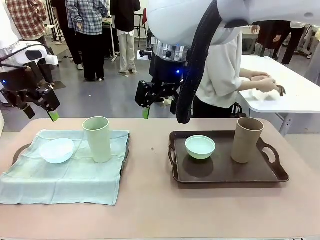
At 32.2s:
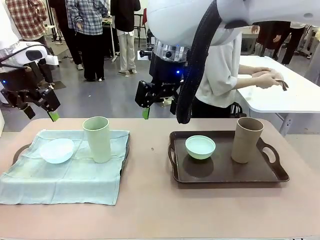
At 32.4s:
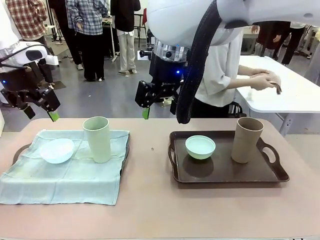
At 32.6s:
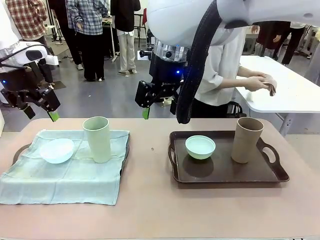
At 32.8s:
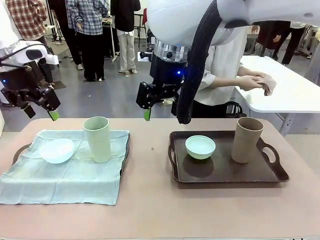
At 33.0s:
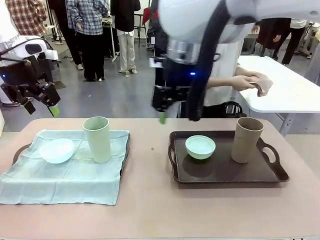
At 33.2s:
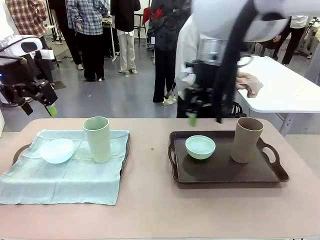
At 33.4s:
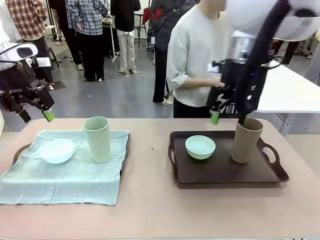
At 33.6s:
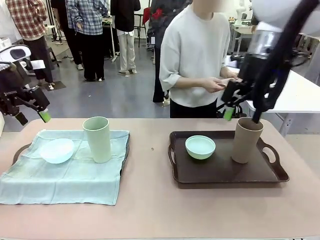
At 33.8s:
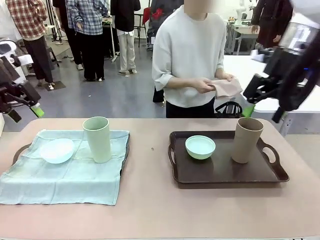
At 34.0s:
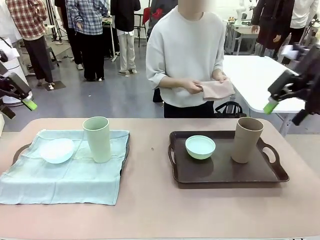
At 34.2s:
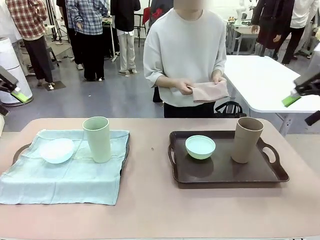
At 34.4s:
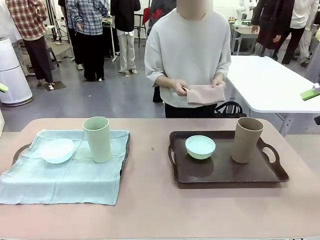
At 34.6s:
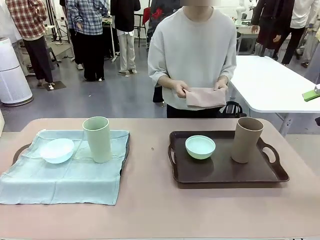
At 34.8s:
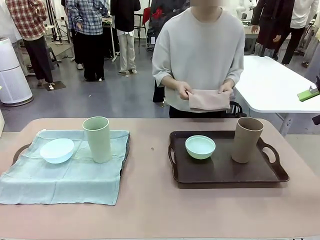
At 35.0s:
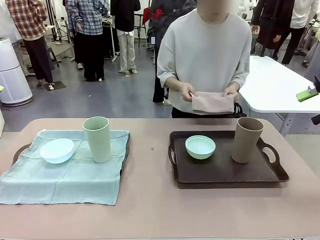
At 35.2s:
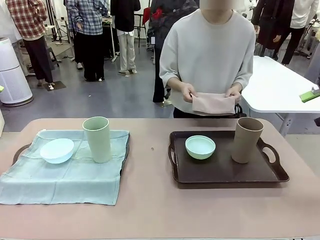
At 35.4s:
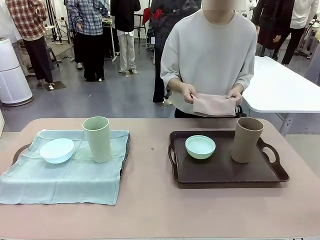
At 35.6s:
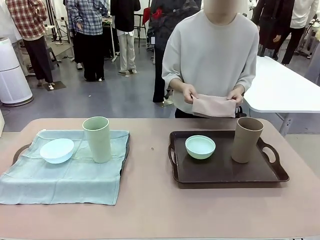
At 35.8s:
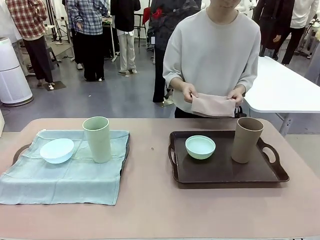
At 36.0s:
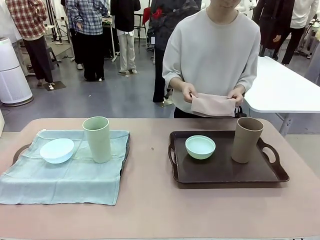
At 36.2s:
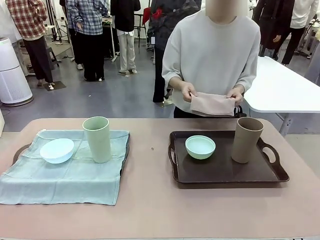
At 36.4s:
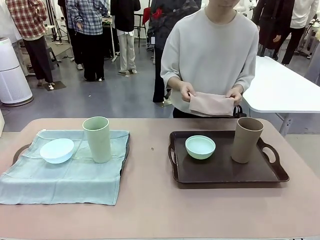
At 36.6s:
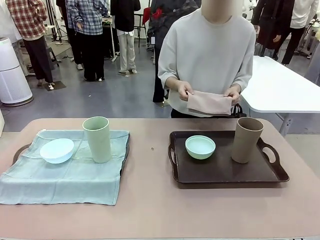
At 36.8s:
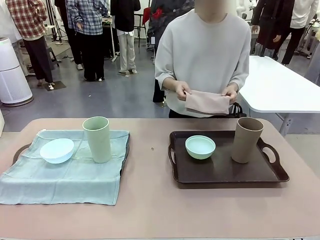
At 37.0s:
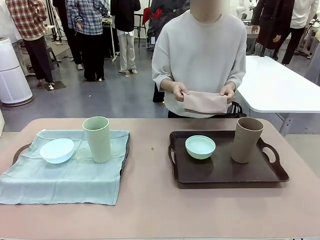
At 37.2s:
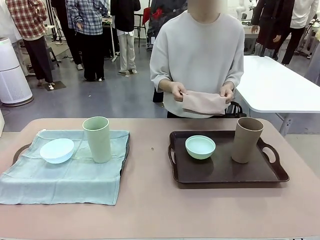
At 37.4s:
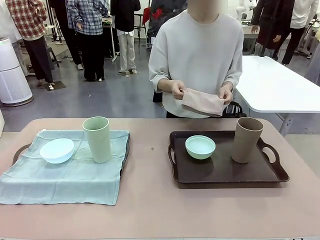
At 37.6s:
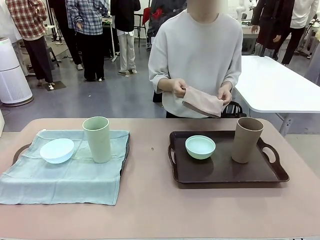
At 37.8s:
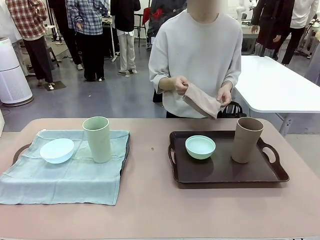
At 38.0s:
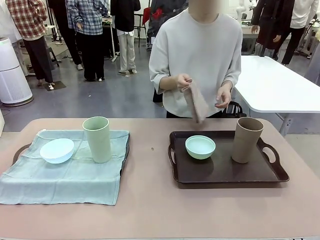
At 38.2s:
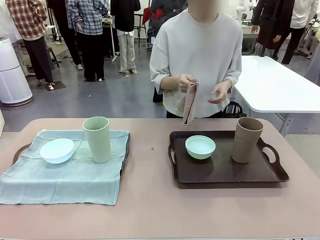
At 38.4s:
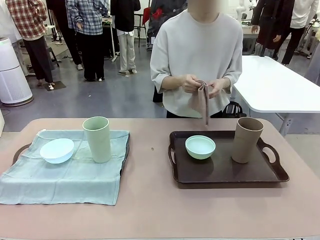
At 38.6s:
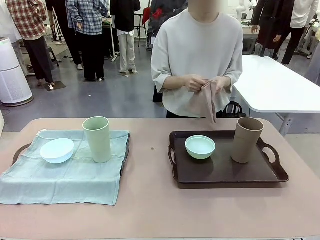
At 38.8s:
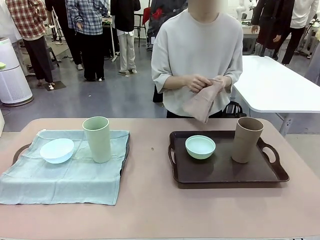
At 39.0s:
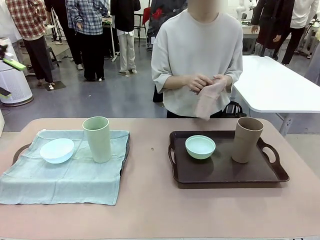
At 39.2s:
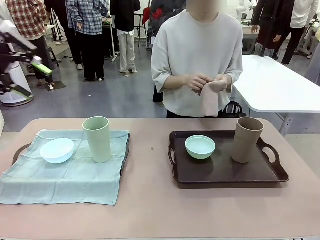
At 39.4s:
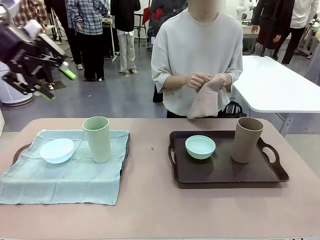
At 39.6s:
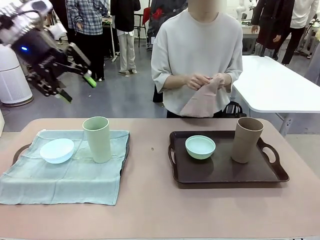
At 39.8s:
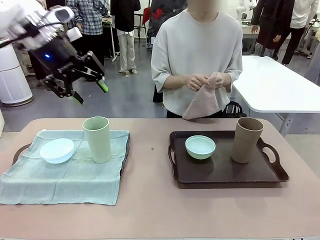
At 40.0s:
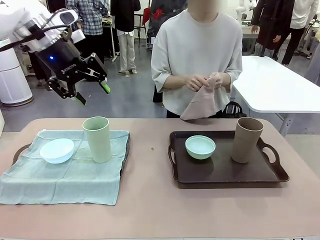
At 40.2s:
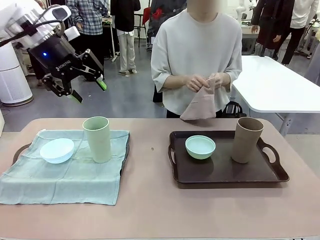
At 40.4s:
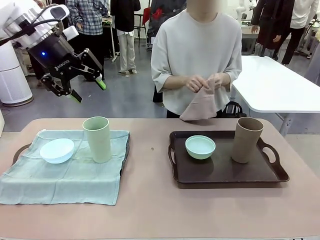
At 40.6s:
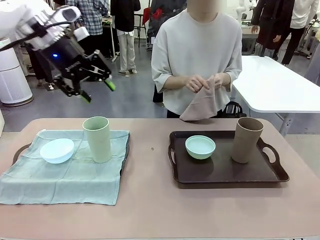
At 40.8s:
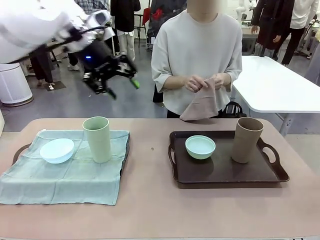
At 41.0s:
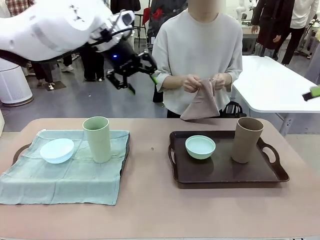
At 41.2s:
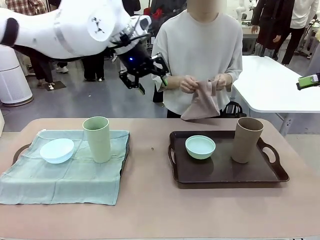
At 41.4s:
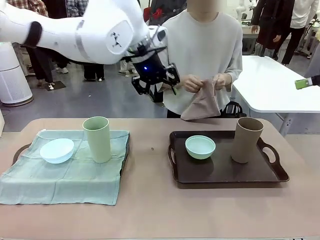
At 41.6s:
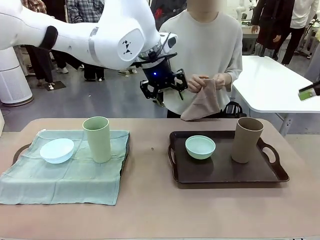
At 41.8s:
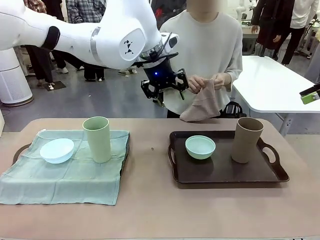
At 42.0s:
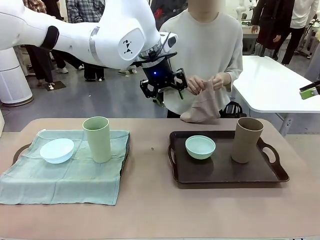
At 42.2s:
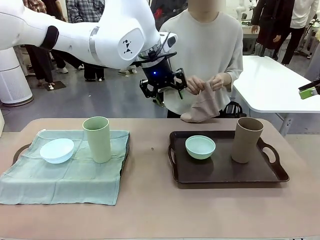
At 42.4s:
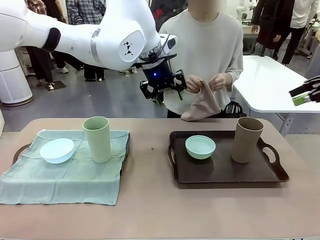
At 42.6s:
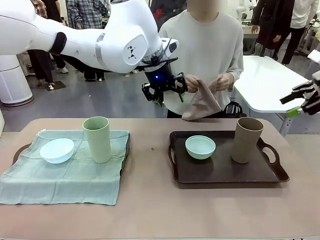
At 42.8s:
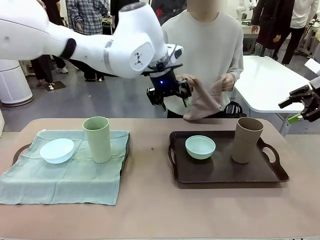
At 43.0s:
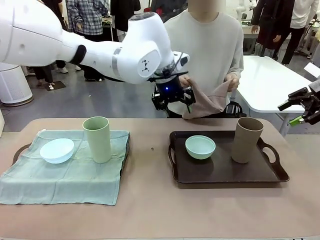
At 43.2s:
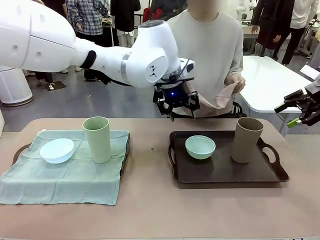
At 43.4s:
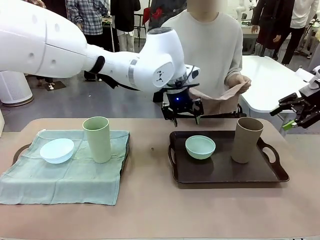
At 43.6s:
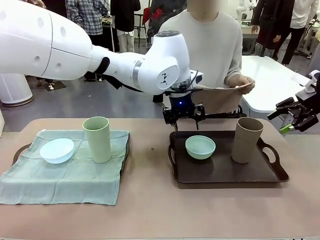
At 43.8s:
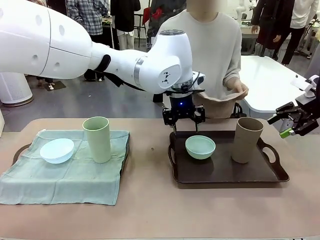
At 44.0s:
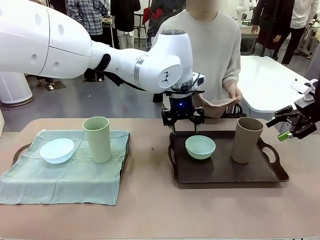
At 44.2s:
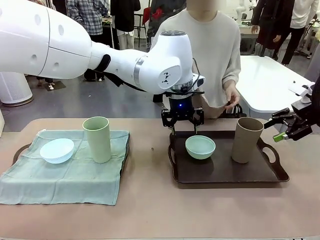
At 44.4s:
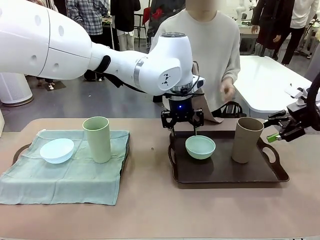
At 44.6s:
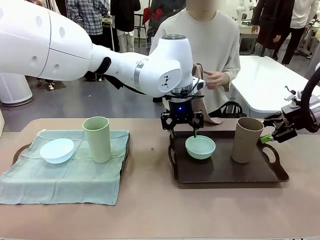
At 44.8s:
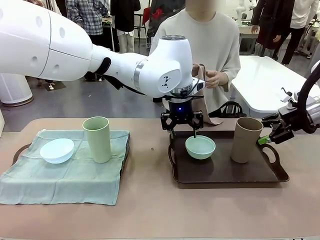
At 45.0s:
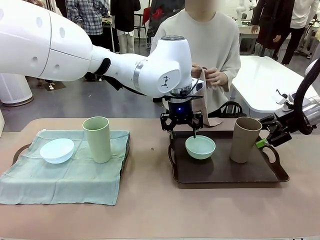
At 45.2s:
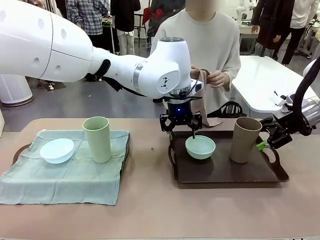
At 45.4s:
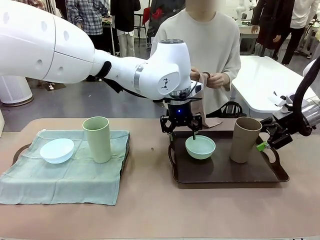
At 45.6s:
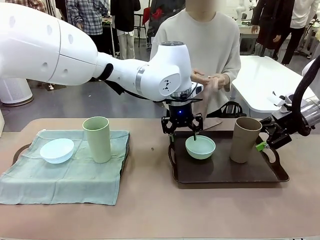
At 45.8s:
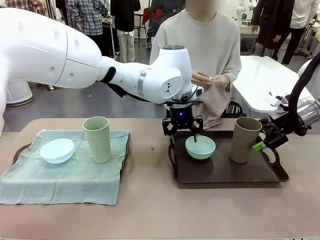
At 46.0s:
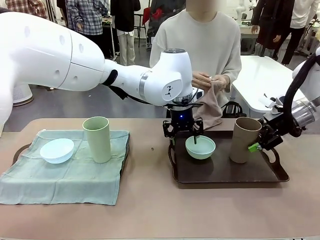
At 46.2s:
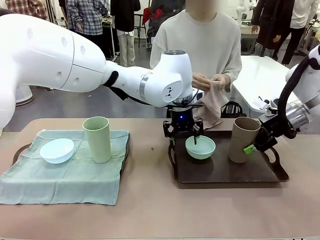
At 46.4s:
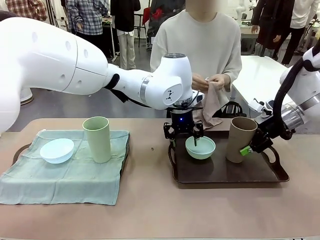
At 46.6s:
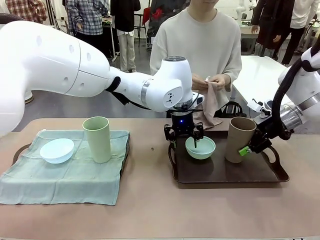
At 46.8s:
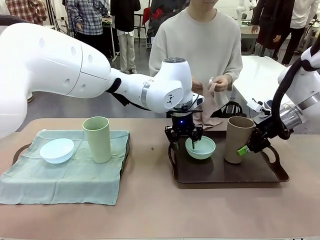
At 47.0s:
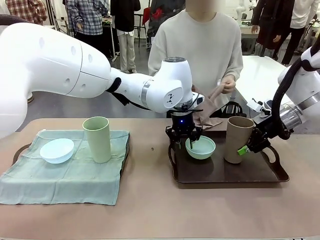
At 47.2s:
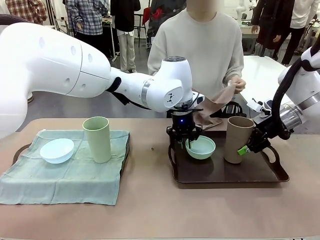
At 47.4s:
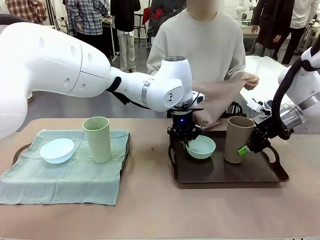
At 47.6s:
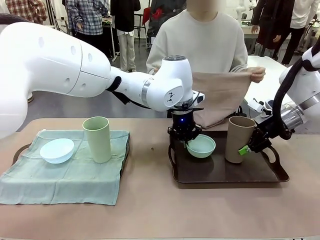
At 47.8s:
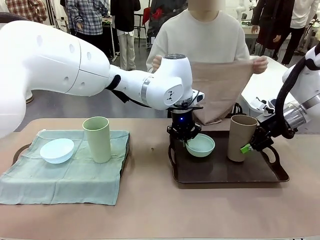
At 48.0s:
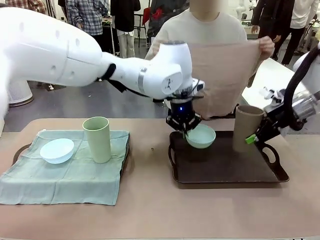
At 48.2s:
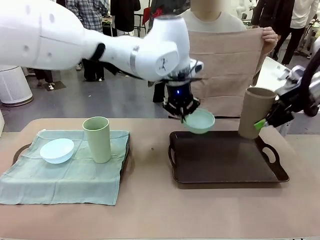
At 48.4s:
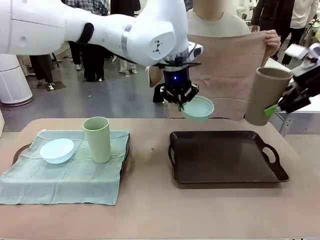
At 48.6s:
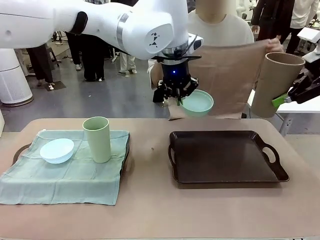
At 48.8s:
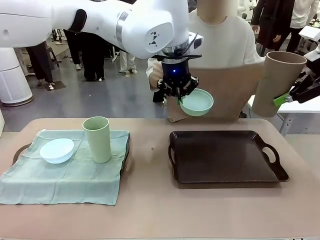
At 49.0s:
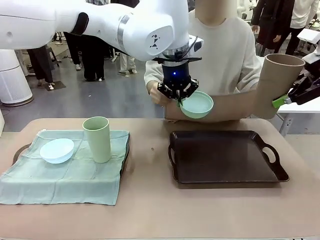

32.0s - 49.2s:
Robot: Pick up the Picnic Bowl and Reusable plastic cup from the Handle tray in front of the human's position and hold them in the air.

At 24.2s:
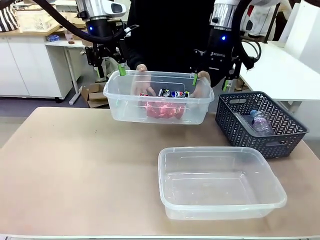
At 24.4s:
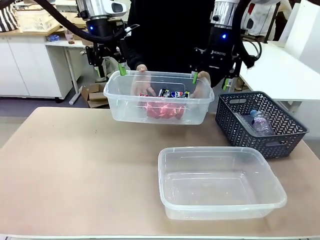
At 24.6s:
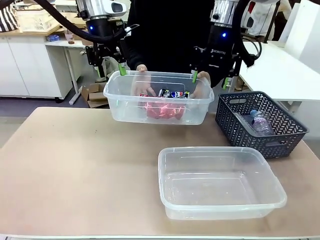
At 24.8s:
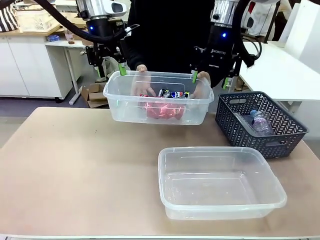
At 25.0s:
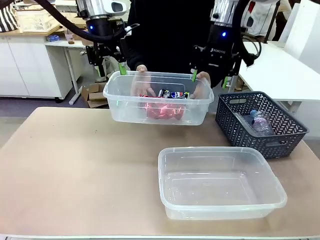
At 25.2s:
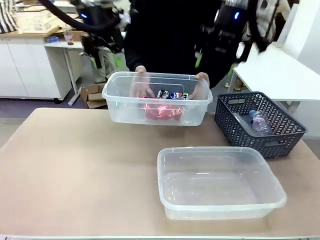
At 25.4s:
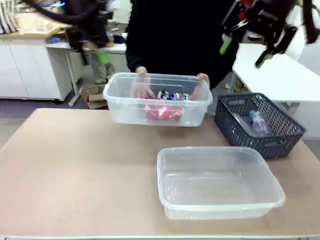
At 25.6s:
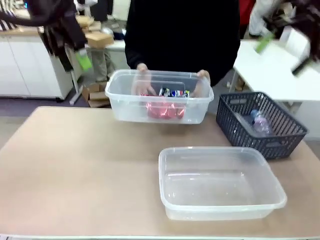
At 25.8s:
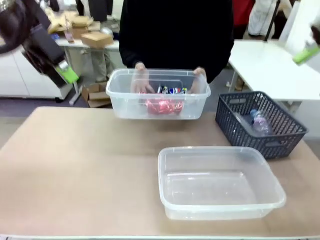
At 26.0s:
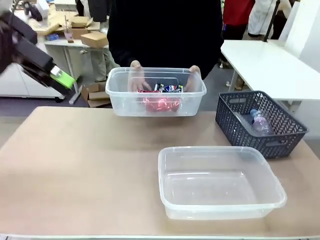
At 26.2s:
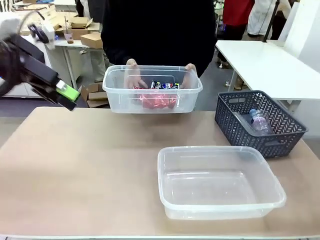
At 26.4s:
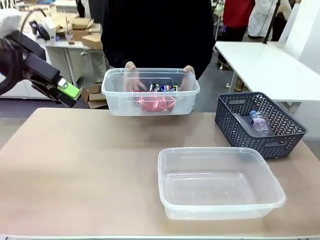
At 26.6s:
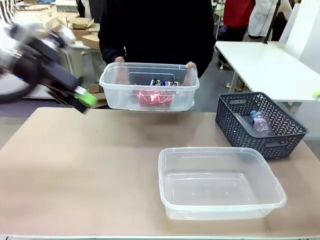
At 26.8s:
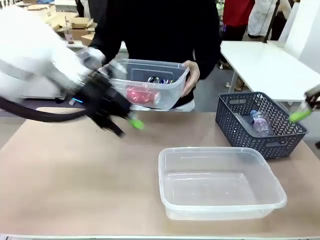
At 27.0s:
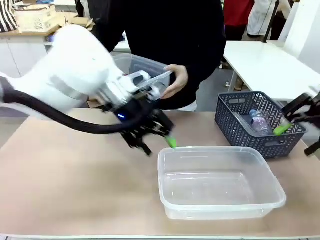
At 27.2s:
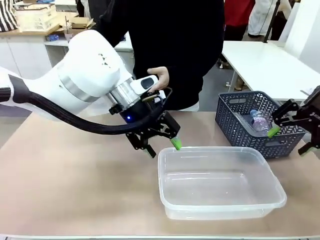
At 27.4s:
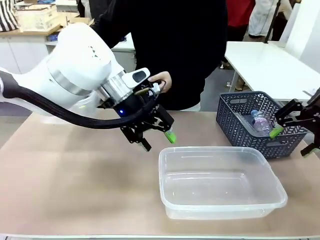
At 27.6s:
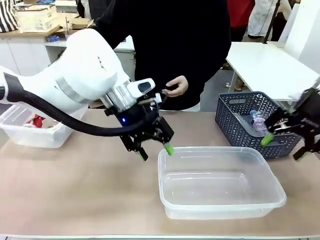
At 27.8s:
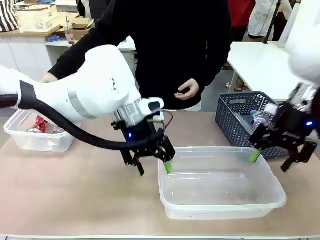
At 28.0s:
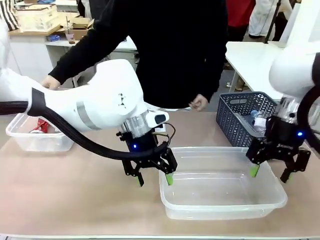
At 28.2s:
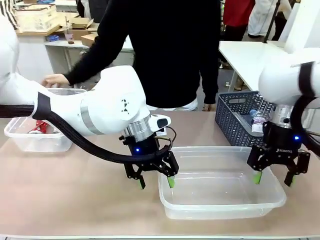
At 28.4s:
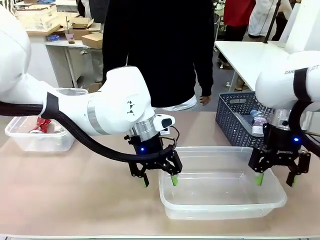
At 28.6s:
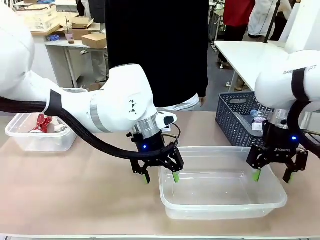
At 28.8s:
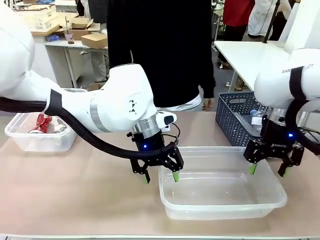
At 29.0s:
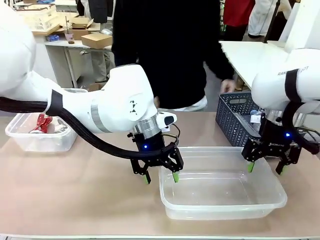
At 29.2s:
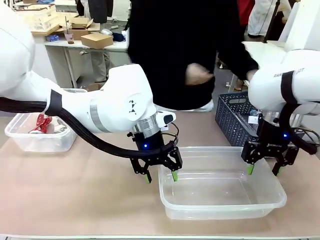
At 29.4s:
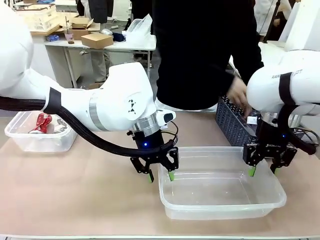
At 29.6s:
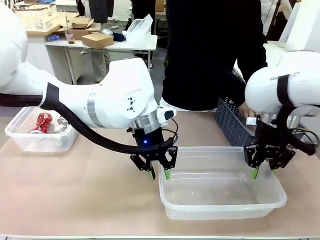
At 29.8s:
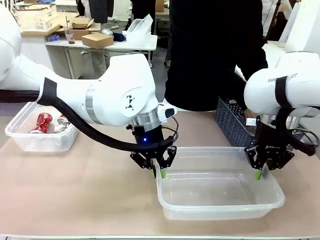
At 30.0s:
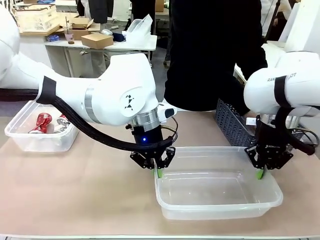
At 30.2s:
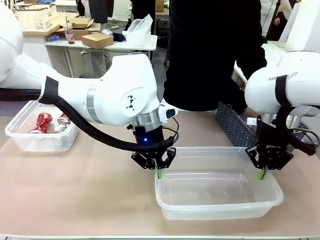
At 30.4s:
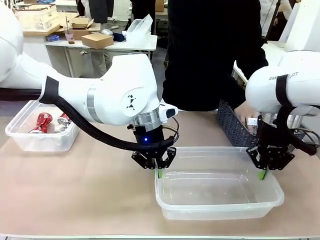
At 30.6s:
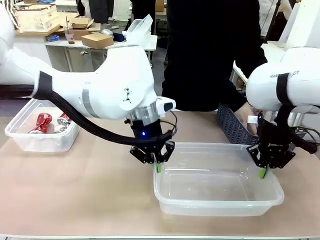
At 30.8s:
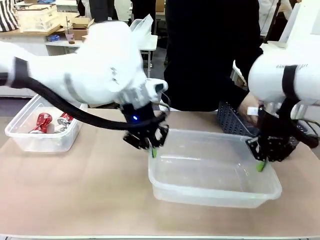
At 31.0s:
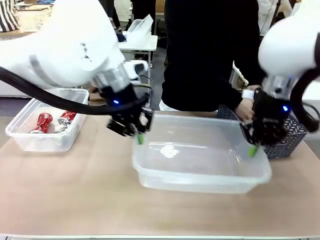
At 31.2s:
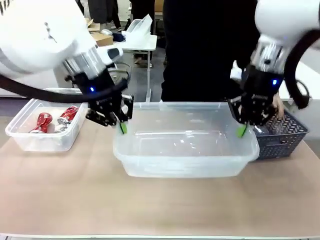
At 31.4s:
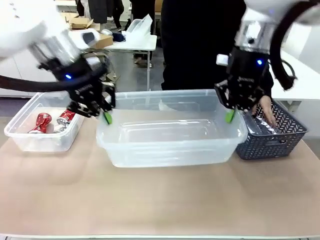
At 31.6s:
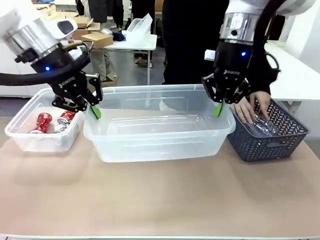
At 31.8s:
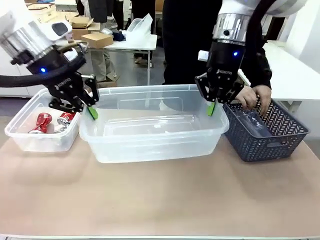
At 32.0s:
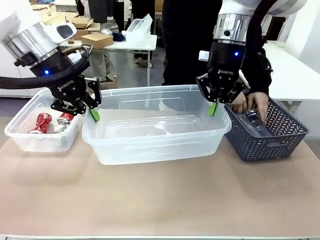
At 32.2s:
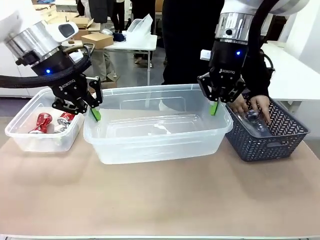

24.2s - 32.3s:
Robot: Pick up the Organizing box on the right side of the table and lift it.
Person: Place it at the edge of the bottom right area of the robot table.
